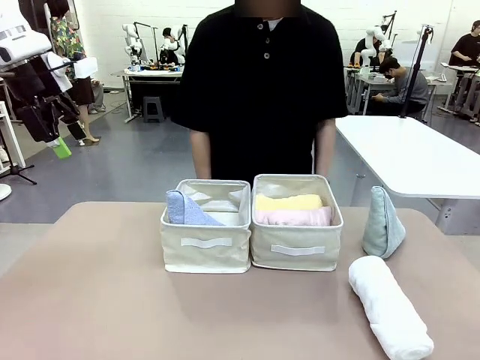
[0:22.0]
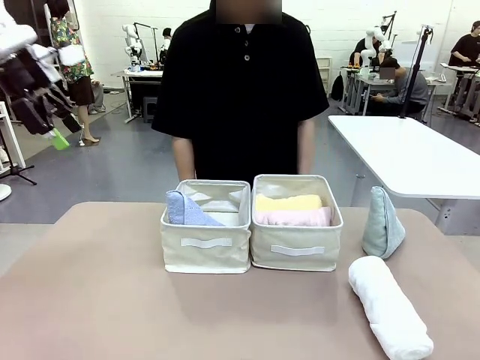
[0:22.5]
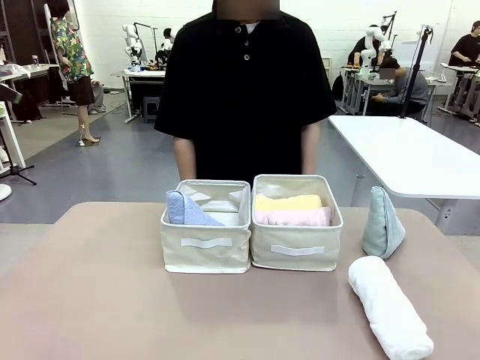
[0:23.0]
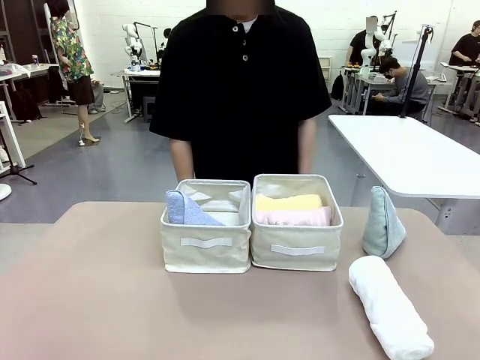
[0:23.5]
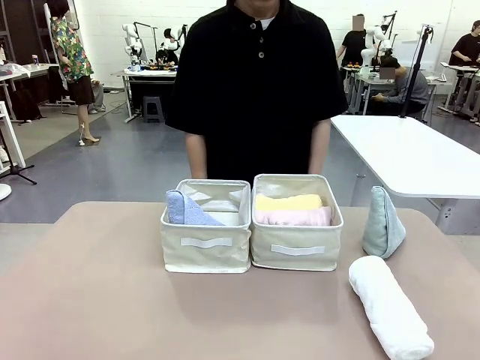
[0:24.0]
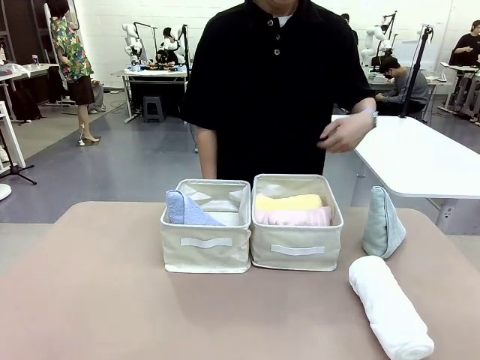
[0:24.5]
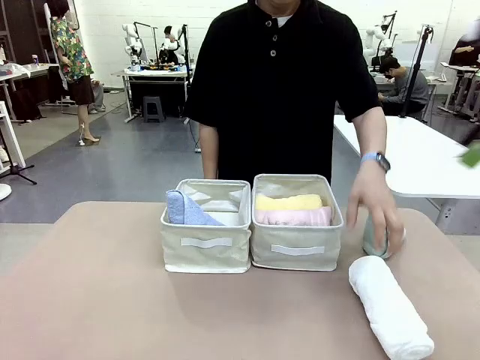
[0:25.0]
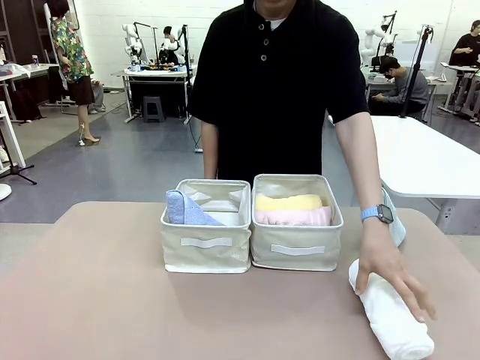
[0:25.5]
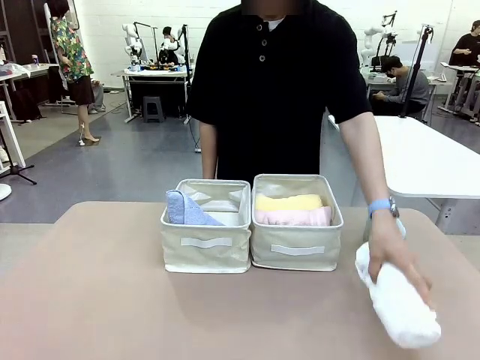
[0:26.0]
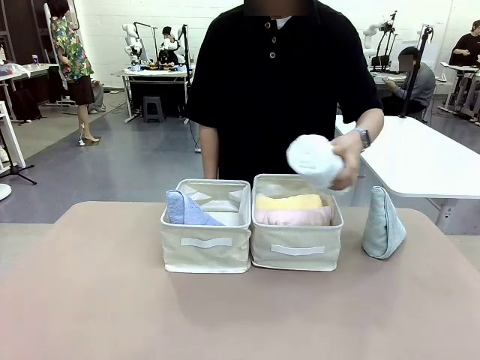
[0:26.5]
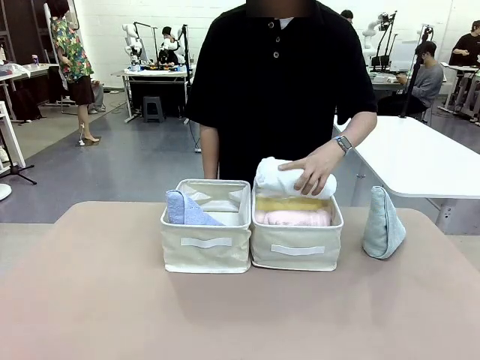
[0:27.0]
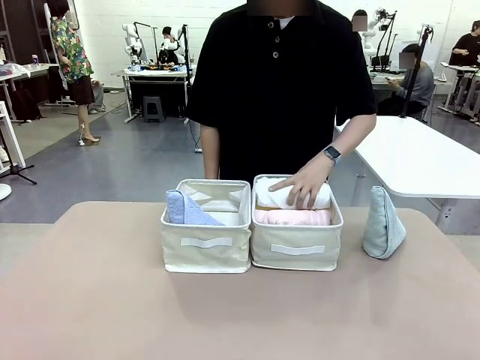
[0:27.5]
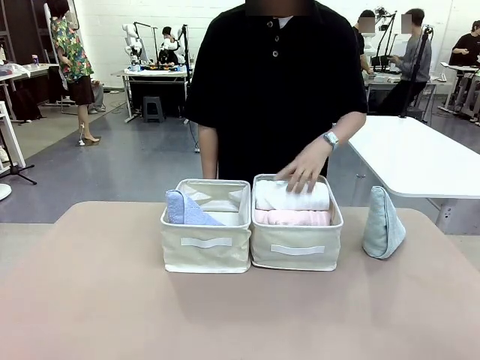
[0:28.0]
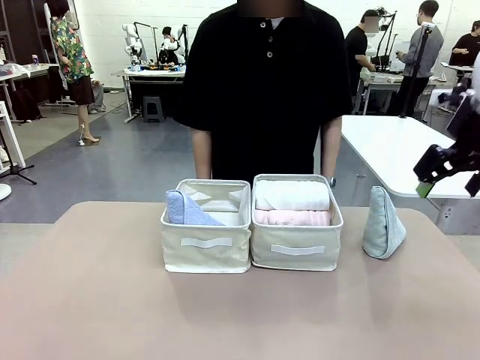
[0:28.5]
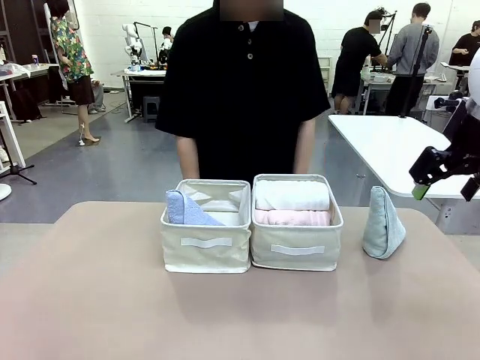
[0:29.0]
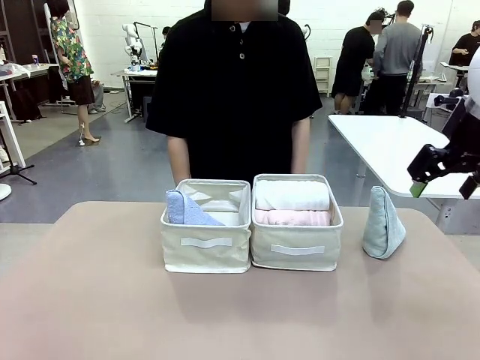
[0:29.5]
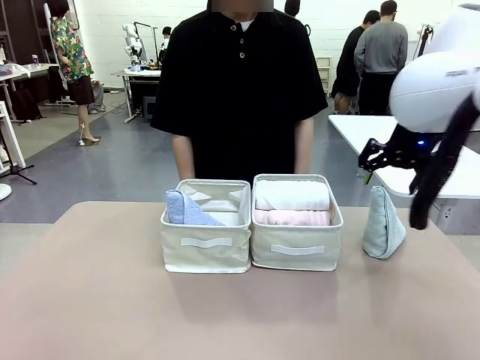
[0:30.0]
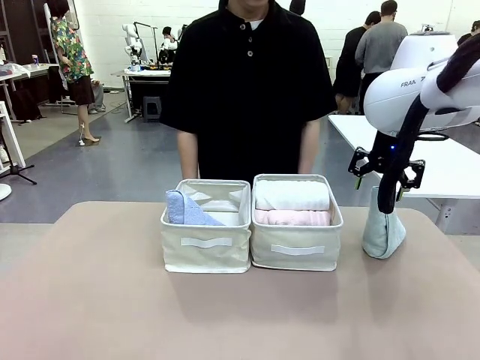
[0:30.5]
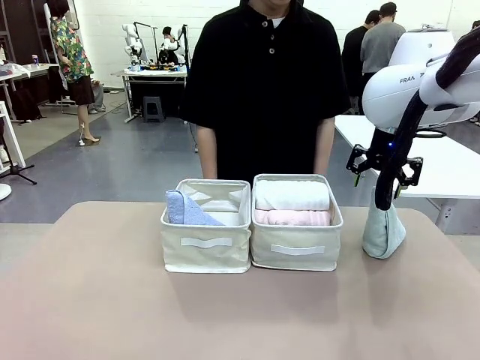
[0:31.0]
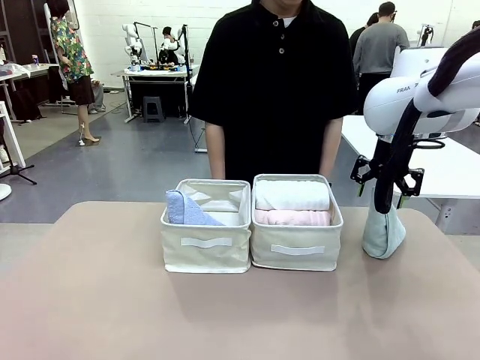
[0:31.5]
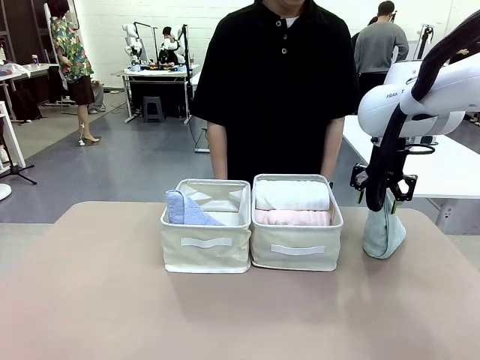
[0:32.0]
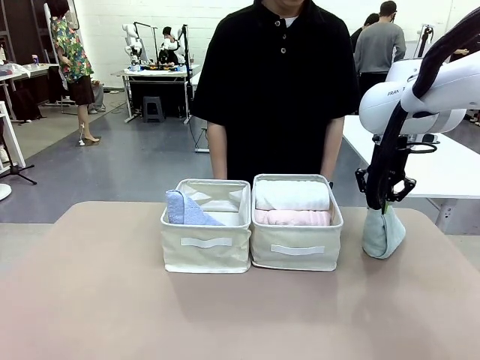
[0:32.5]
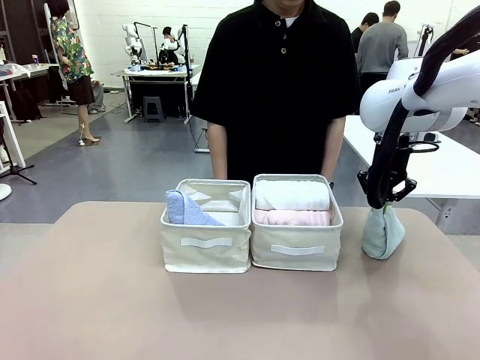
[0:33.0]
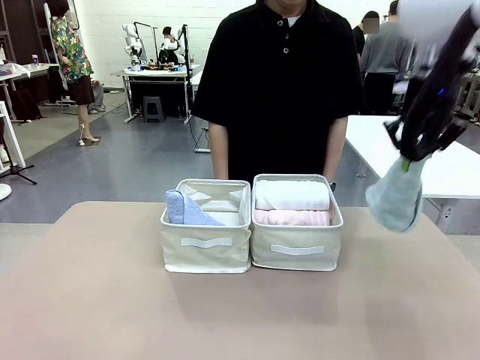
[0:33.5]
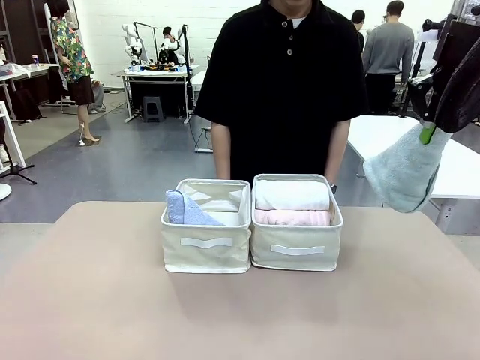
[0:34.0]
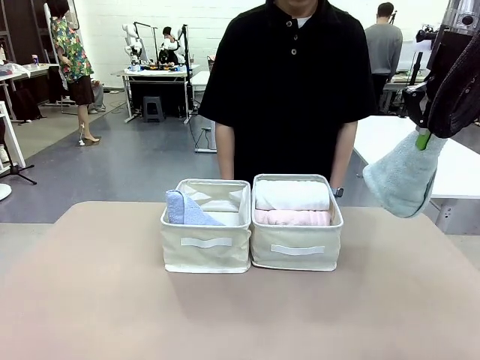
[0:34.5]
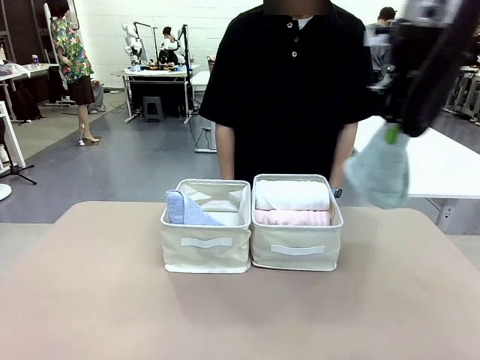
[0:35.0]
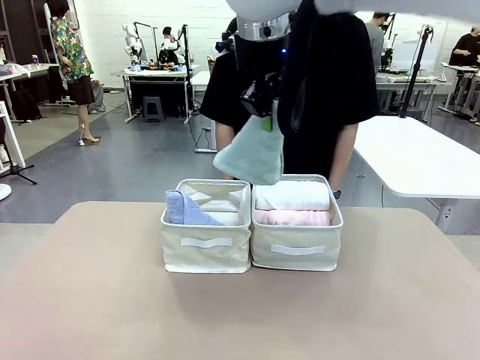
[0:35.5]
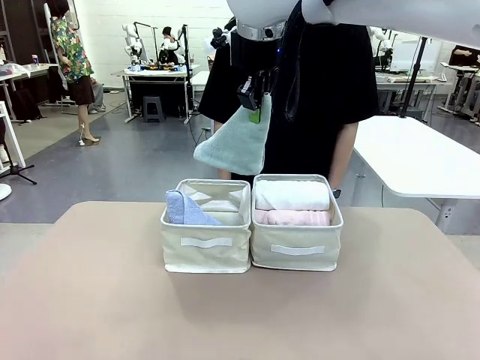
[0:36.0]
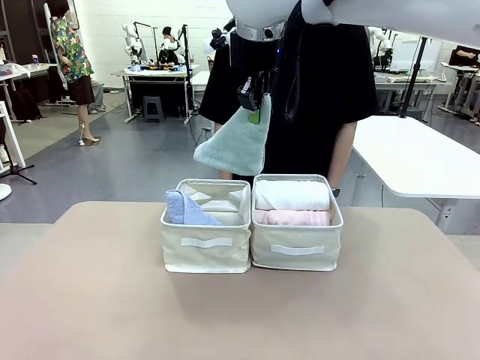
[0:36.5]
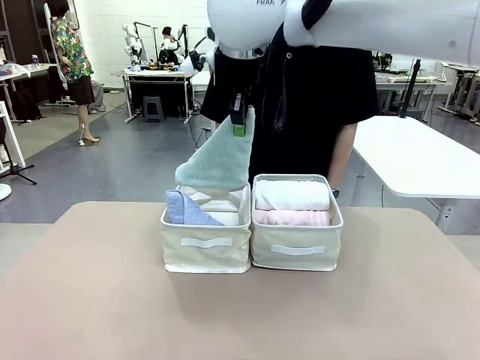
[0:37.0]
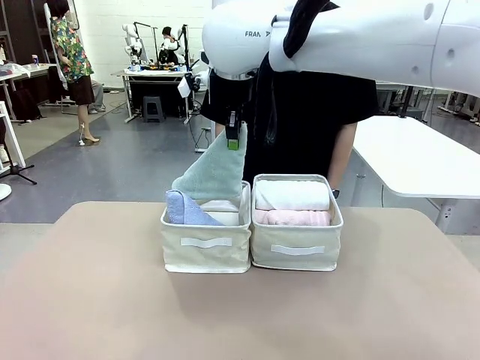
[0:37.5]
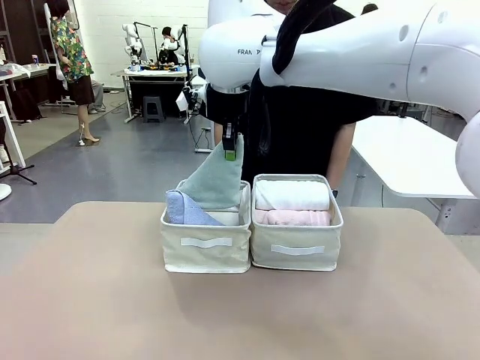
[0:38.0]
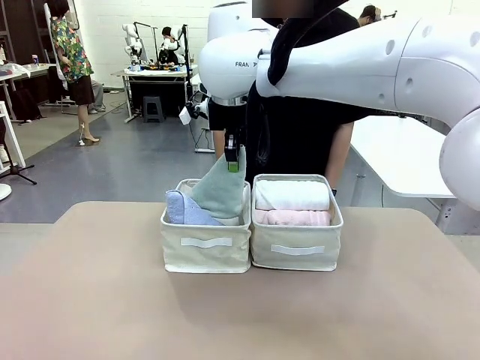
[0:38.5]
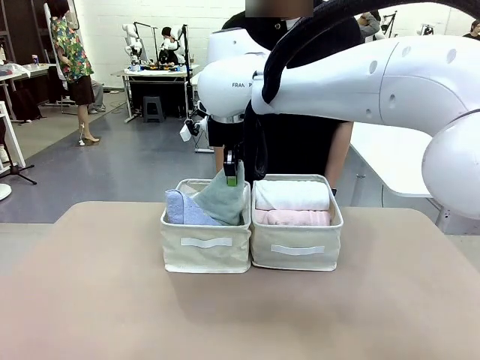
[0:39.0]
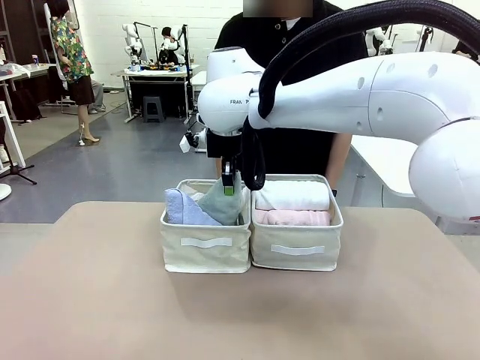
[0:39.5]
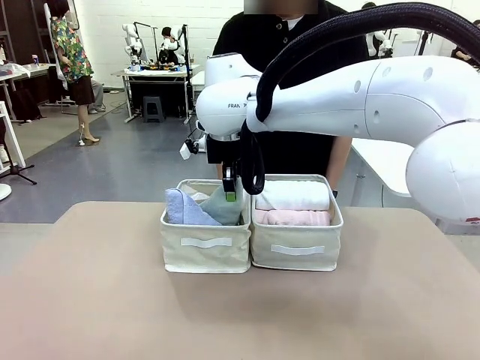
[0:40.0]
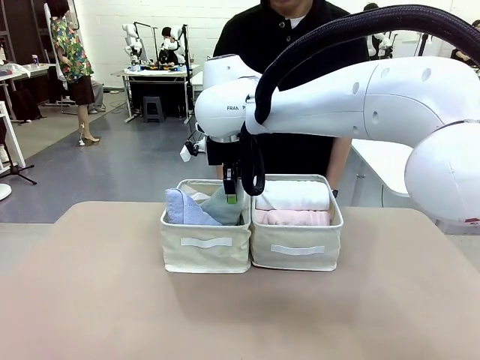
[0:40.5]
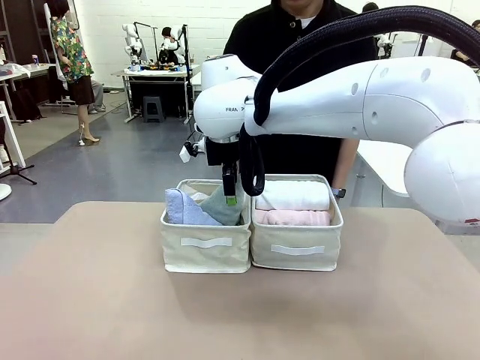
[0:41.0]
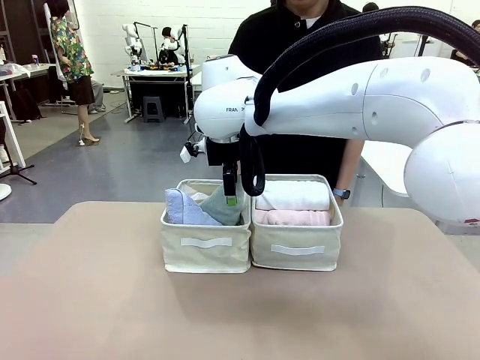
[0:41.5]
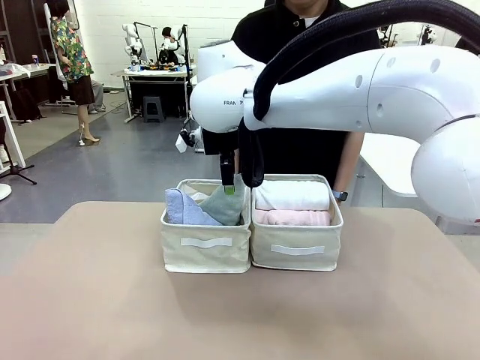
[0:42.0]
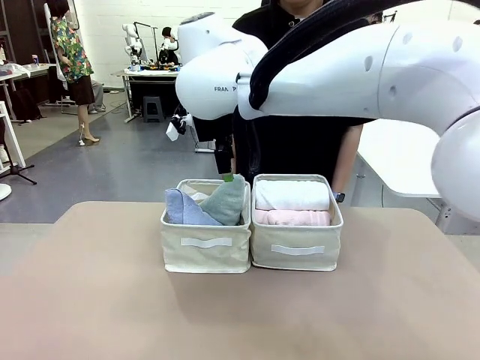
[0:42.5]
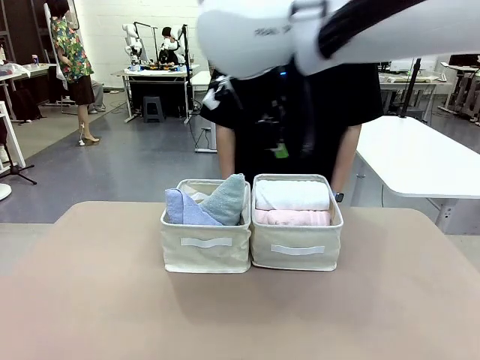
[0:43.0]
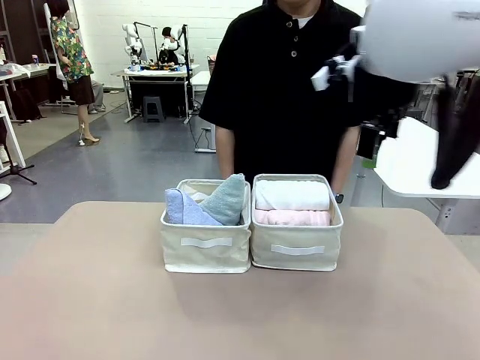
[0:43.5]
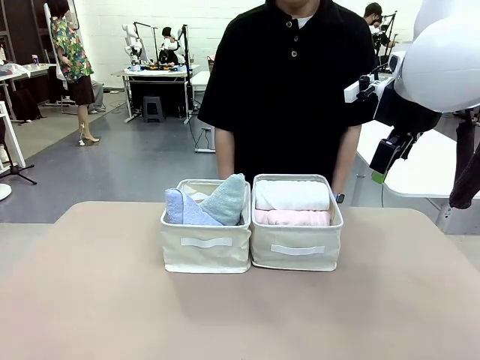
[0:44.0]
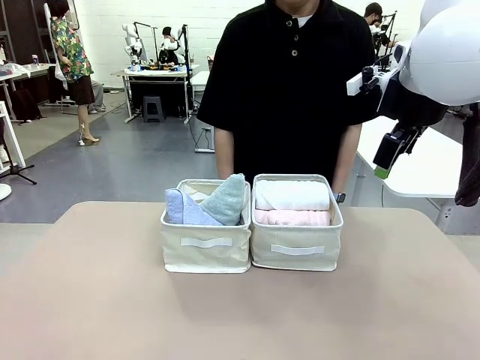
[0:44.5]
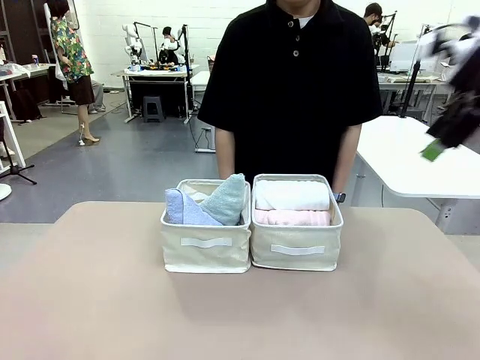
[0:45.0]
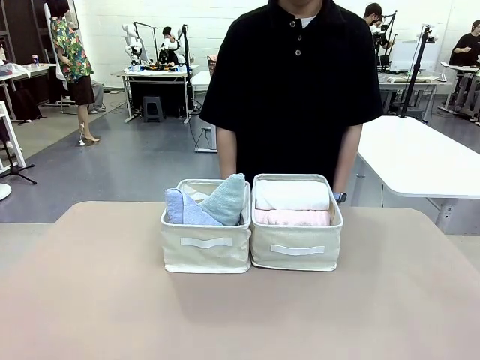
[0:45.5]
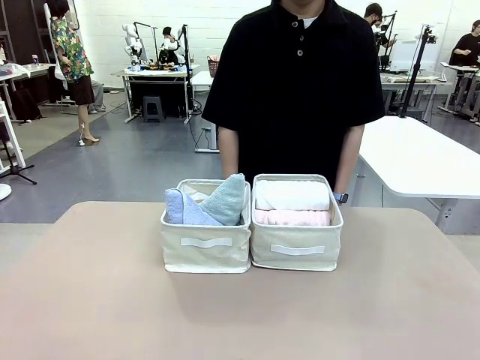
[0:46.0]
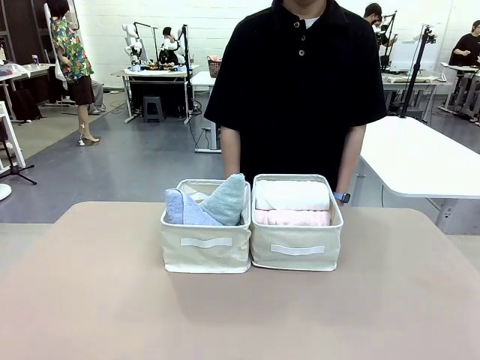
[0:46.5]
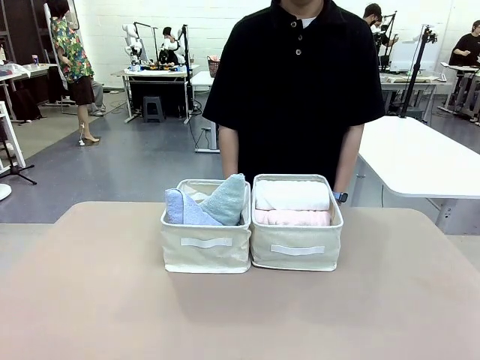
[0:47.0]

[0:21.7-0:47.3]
Task: Sort the towels based on their folding style.
Robot: Pick up another triangle-folded towel from the table and place it in the left Fabric basket.
Person: Pick up one hotel-style rolled towel from the table and place it in the left fabric basket.
